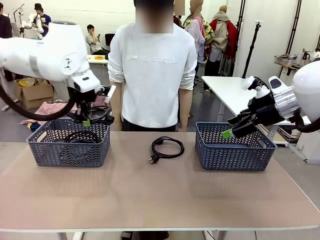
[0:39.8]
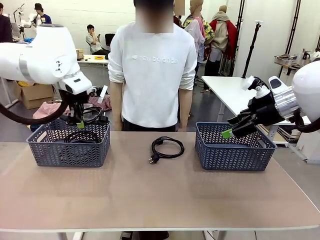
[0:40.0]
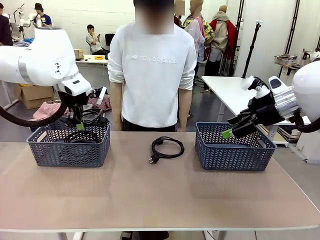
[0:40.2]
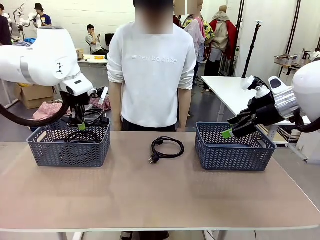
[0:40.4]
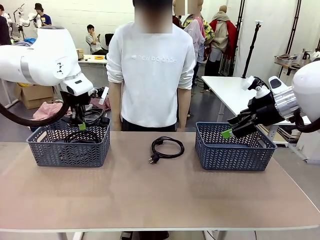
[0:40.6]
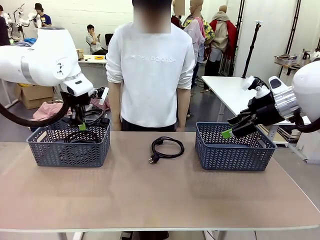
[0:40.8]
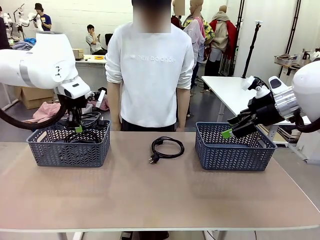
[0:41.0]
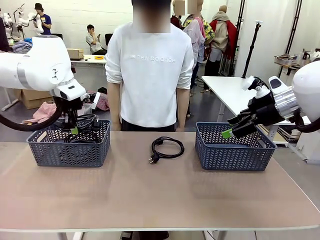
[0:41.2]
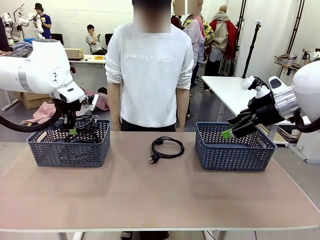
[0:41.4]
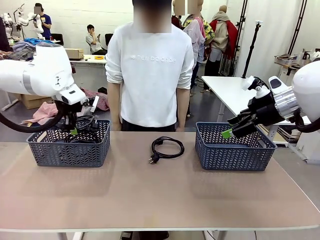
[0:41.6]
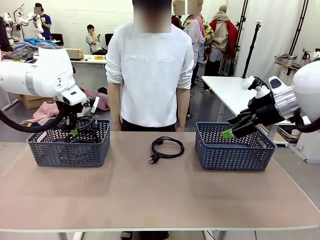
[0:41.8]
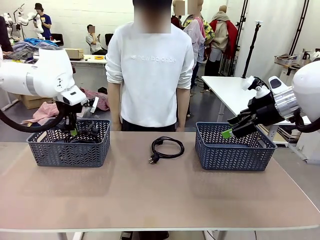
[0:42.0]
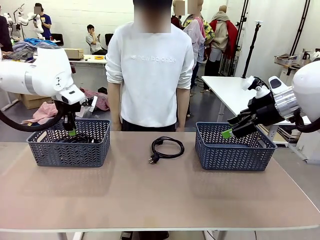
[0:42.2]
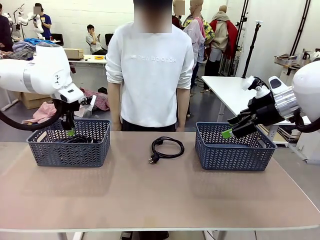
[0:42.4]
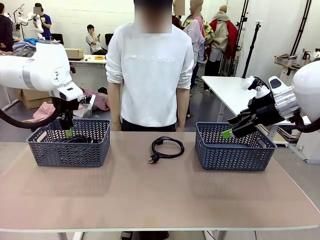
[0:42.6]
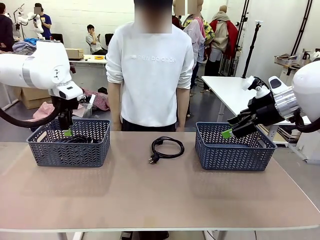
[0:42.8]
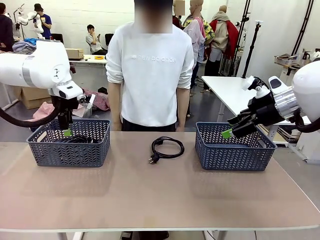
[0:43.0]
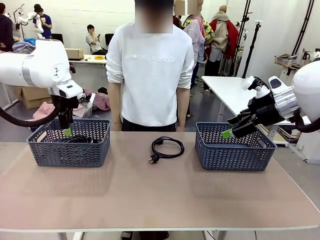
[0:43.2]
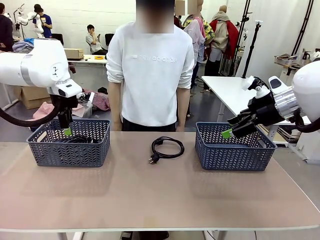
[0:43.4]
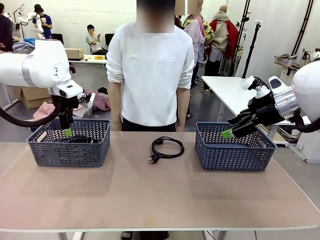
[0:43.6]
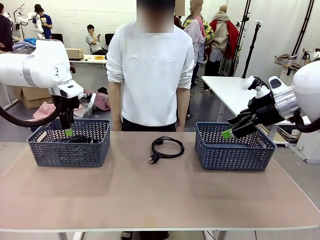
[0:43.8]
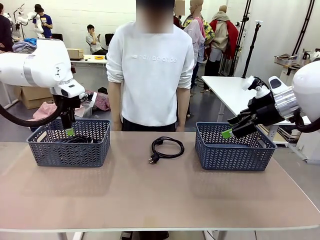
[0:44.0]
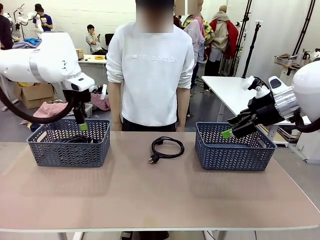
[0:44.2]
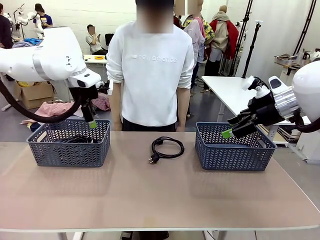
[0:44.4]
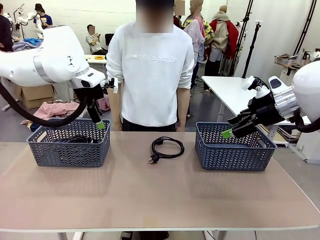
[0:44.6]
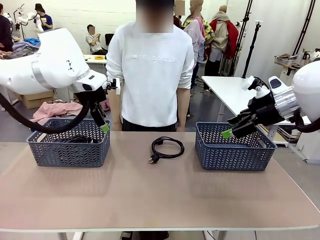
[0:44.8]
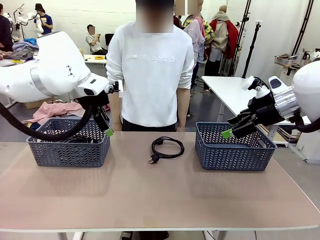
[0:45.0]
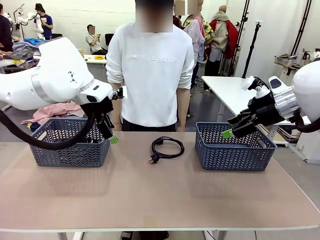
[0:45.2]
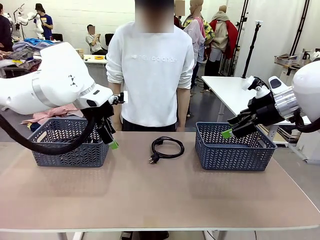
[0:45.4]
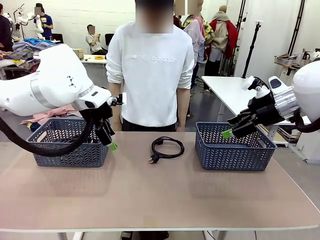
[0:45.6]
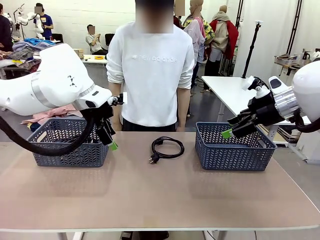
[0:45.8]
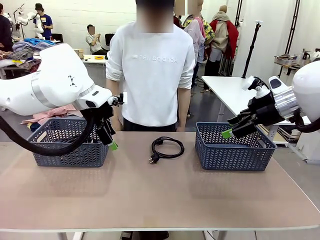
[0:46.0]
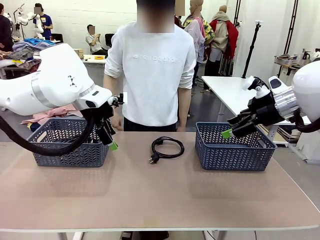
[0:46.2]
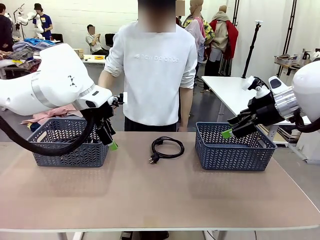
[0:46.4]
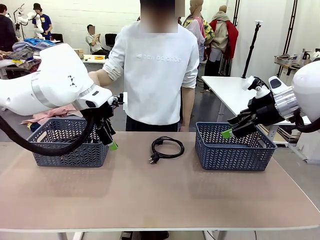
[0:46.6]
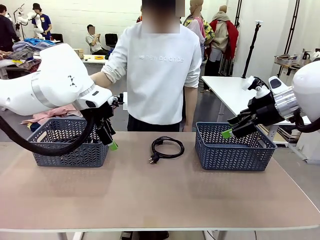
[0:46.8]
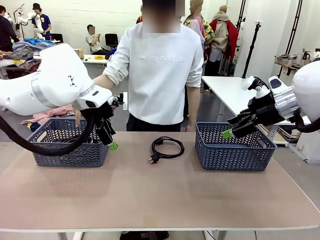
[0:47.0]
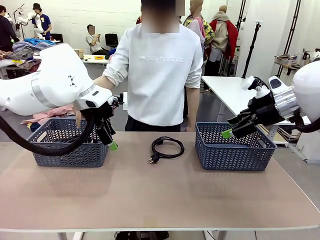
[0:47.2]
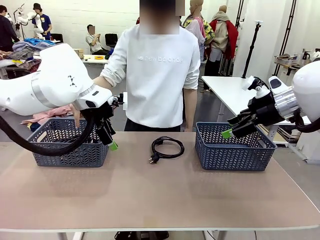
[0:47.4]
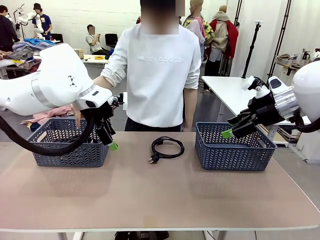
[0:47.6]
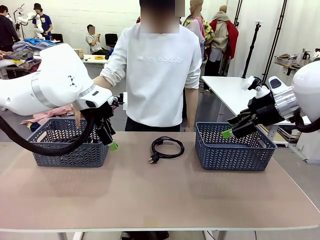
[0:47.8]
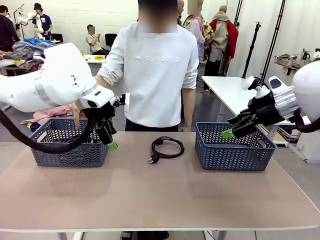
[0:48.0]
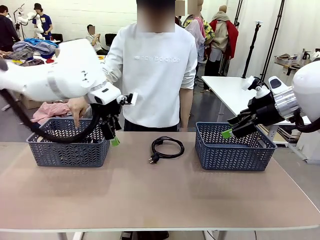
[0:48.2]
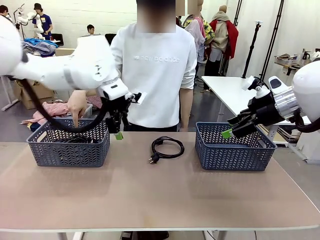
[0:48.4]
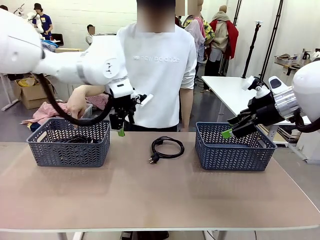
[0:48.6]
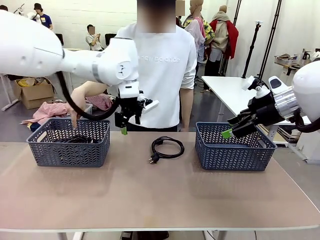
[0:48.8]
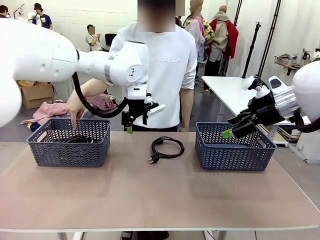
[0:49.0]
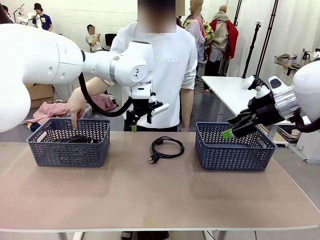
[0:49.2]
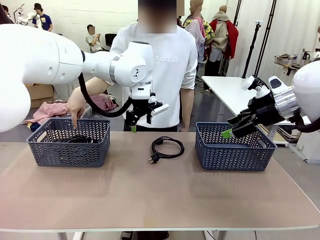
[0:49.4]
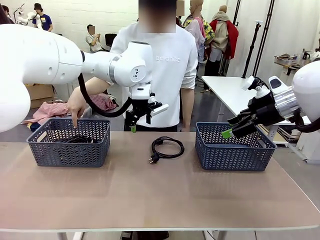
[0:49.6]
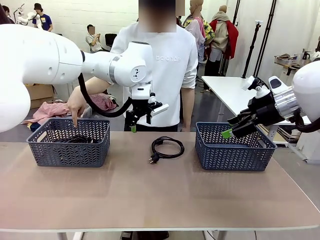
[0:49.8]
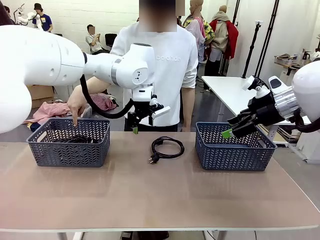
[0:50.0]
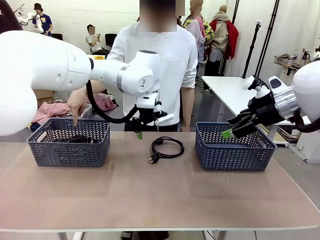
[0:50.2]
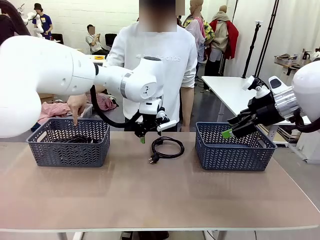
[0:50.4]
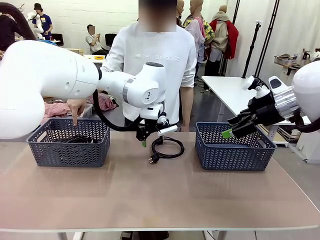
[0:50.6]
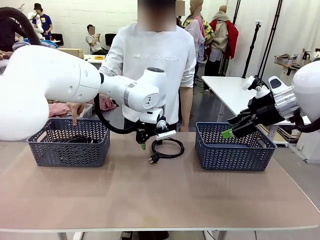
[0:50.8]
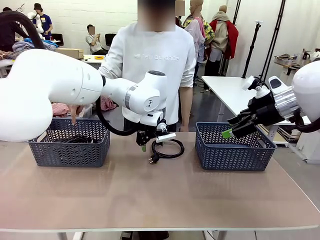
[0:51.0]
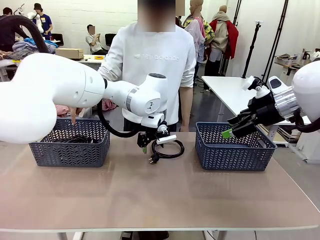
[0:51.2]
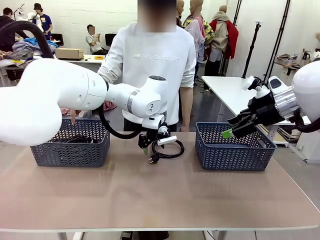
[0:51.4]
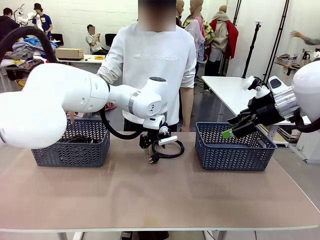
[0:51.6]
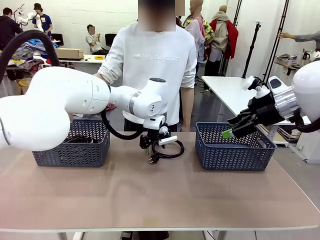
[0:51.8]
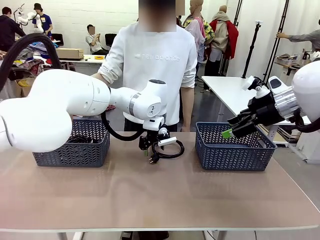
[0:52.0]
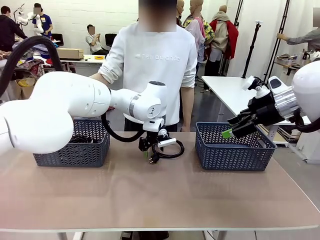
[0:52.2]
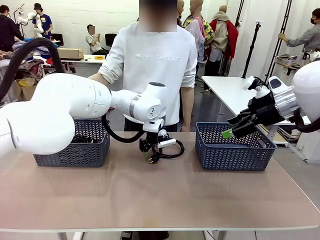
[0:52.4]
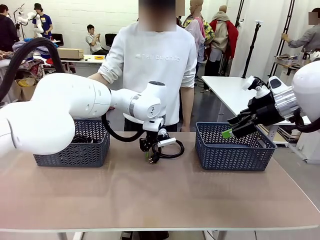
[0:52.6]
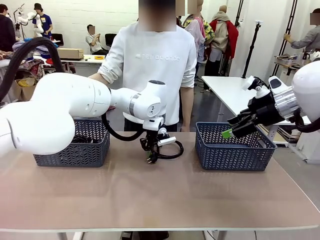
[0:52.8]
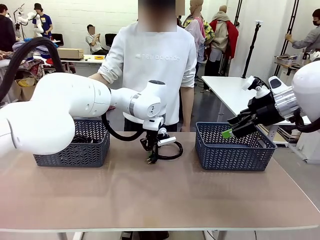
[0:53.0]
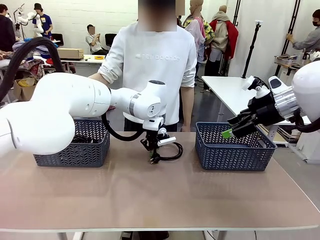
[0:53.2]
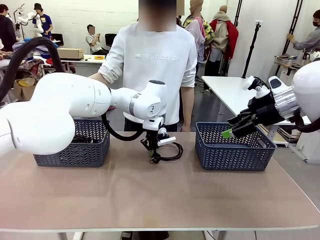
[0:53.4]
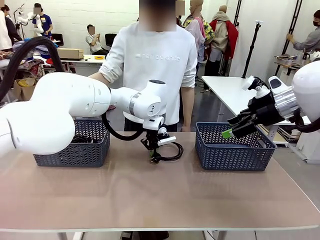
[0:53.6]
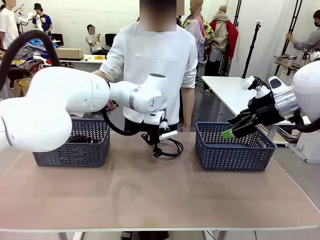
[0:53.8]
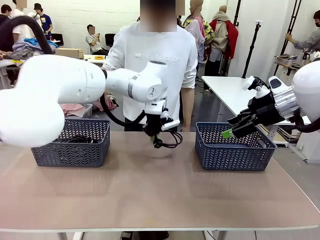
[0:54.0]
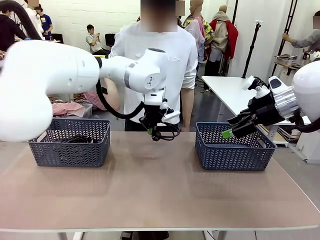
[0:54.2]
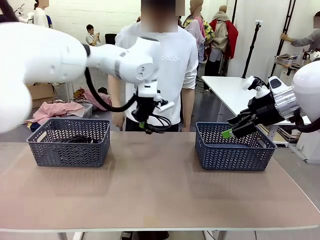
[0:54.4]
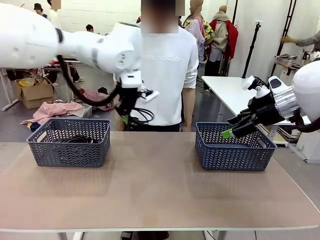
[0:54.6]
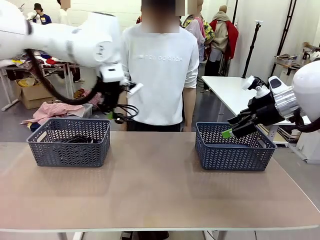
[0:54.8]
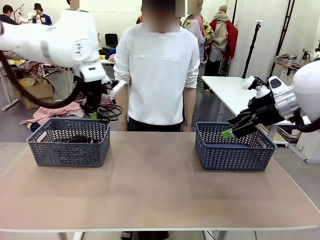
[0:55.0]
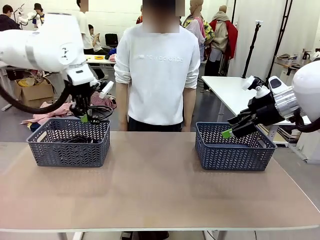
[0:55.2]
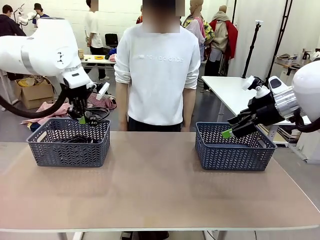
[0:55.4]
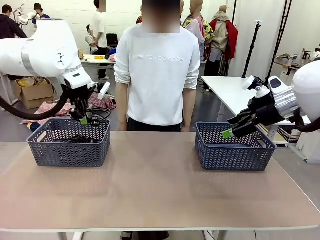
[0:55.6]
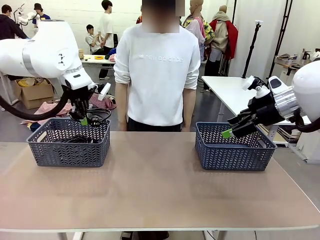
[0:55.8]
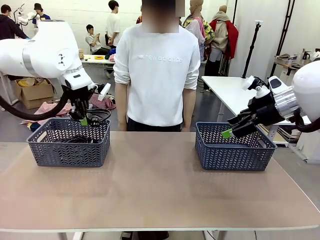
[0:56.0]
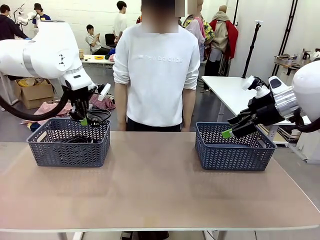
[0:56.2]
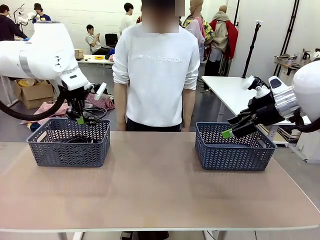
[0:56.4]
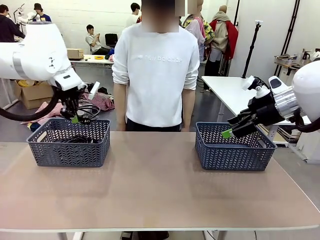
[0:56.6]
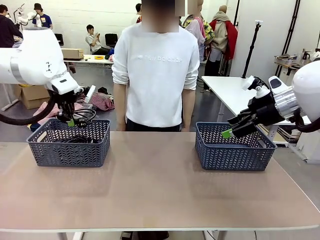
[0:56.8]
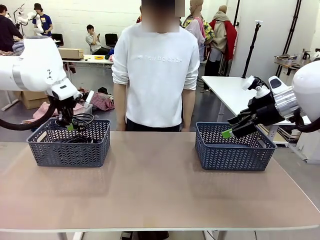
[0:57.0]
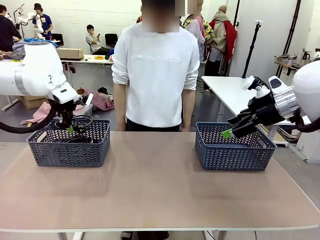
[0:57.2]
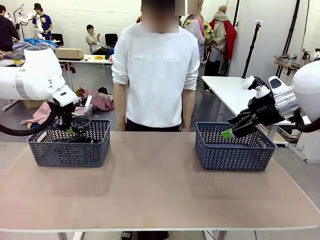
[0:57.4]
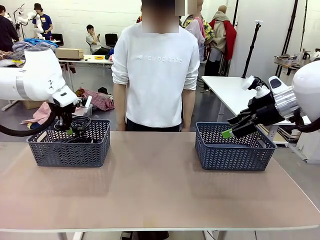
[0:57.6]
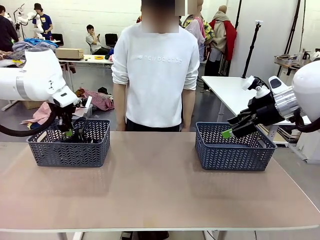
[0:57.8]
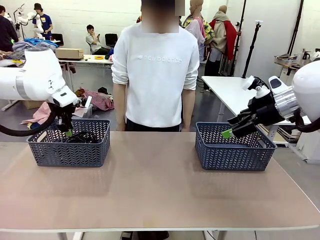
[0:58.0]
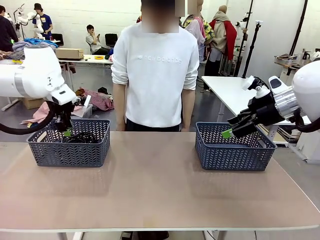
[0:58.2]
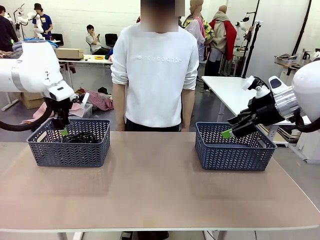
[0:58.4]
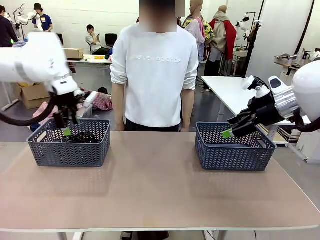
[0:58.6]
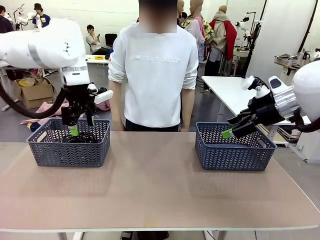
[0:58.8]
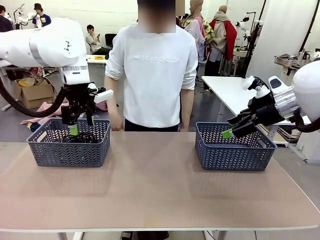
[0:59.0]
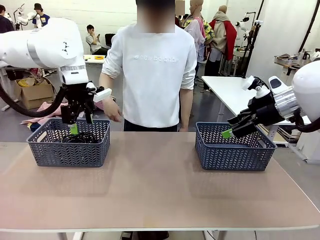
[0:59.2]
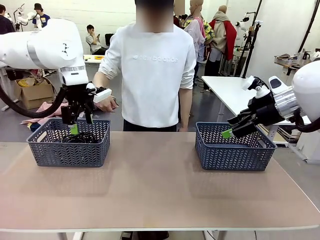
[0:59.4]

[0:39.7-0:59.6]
Task: Organize the cables according to human instructions.
Robot: Pick up a bundle of cables and place it in the basket indicated by the human.
